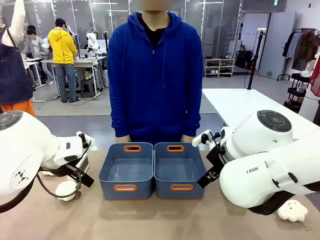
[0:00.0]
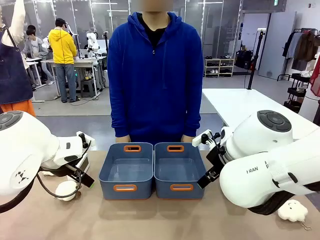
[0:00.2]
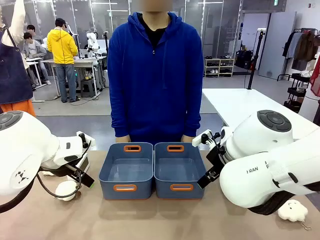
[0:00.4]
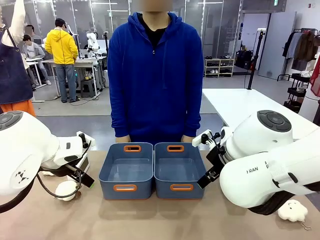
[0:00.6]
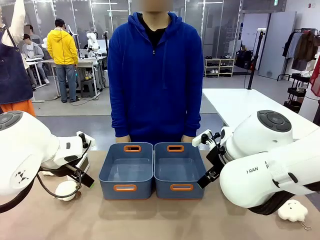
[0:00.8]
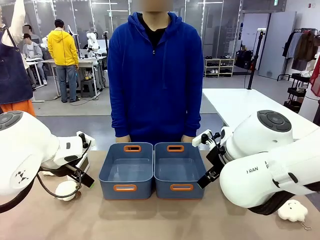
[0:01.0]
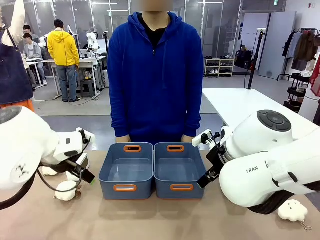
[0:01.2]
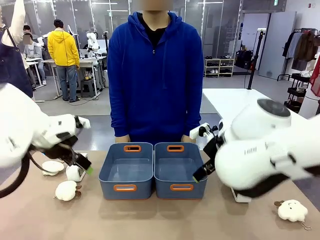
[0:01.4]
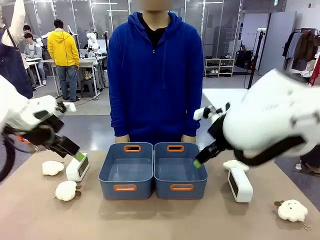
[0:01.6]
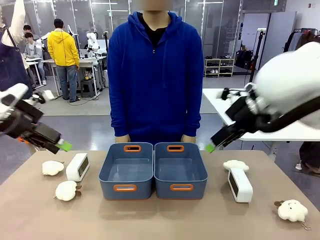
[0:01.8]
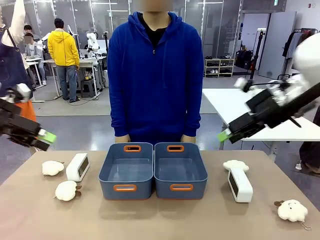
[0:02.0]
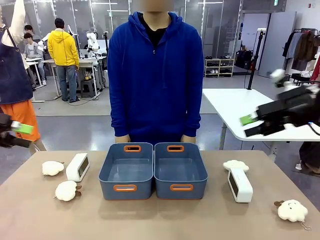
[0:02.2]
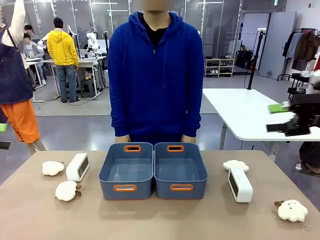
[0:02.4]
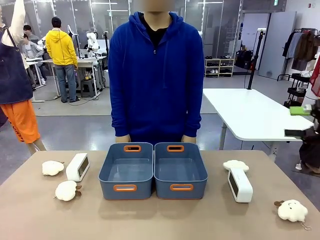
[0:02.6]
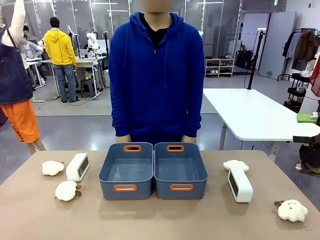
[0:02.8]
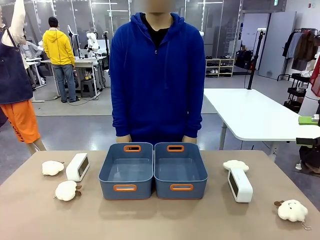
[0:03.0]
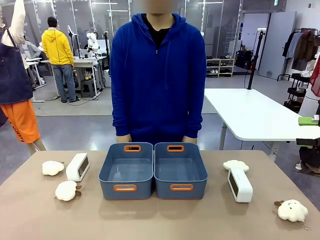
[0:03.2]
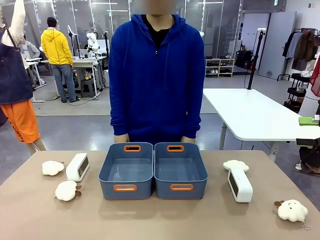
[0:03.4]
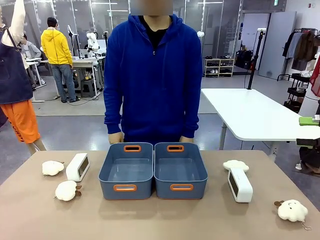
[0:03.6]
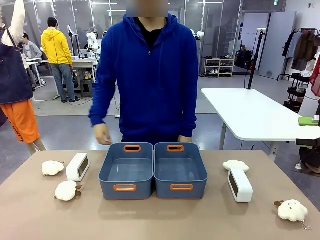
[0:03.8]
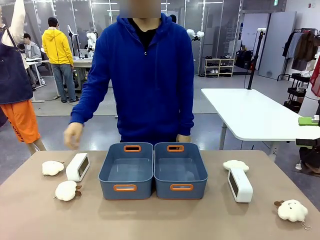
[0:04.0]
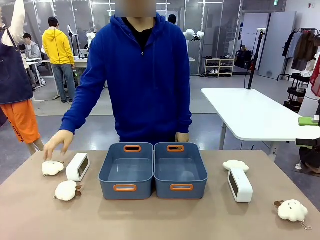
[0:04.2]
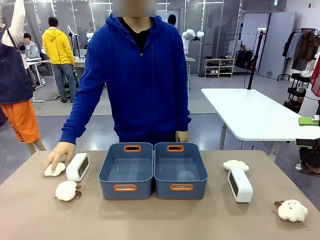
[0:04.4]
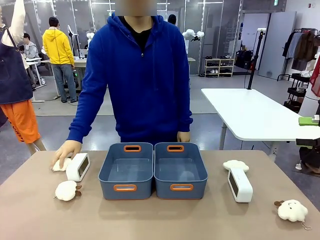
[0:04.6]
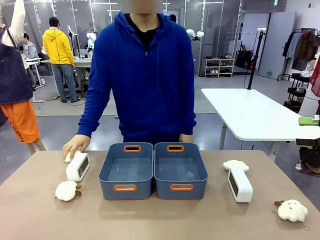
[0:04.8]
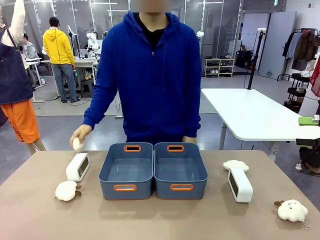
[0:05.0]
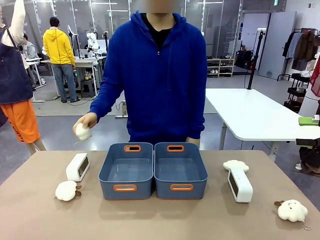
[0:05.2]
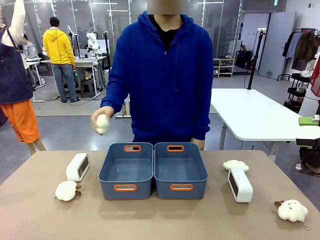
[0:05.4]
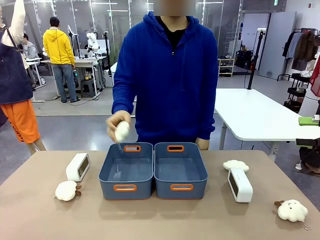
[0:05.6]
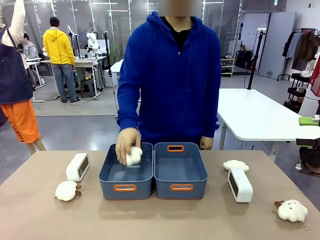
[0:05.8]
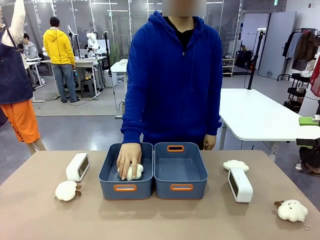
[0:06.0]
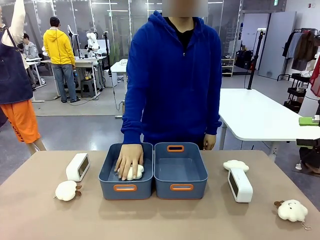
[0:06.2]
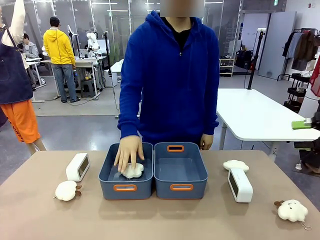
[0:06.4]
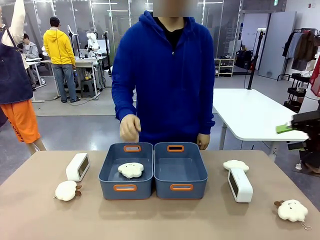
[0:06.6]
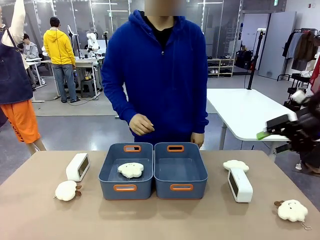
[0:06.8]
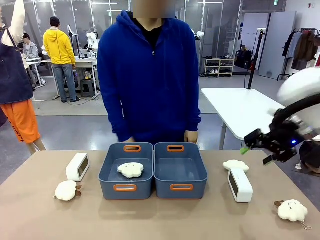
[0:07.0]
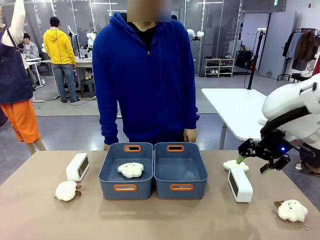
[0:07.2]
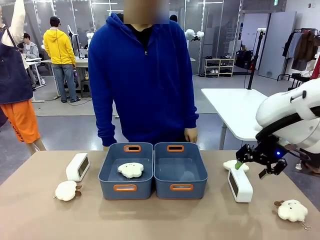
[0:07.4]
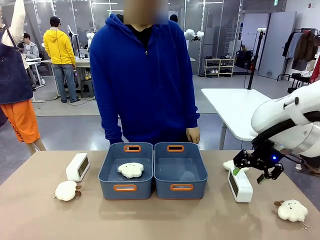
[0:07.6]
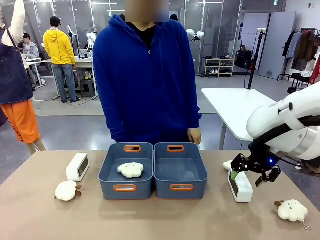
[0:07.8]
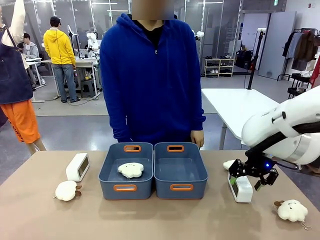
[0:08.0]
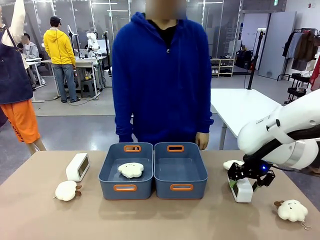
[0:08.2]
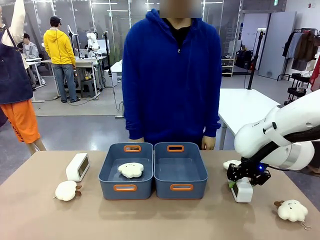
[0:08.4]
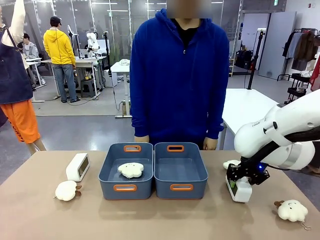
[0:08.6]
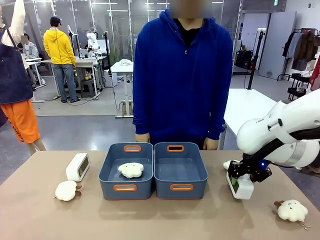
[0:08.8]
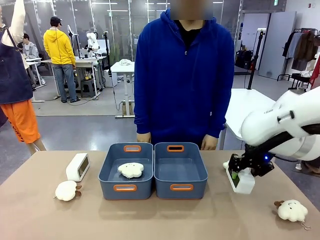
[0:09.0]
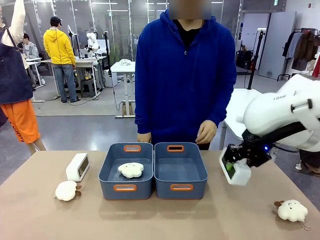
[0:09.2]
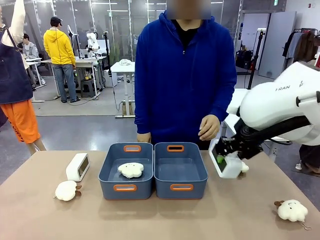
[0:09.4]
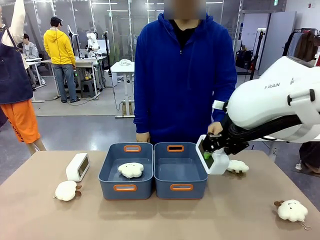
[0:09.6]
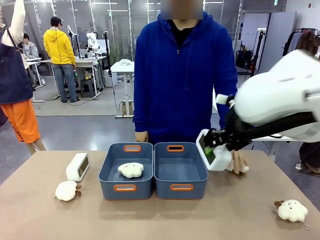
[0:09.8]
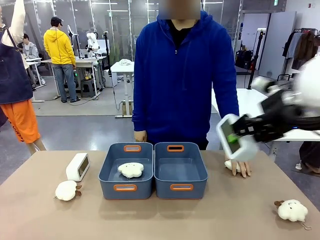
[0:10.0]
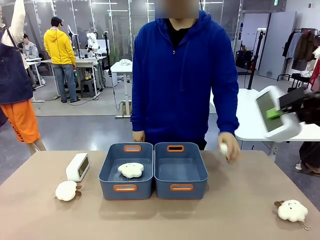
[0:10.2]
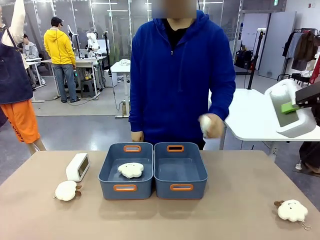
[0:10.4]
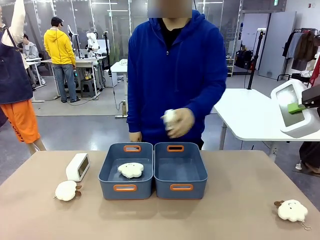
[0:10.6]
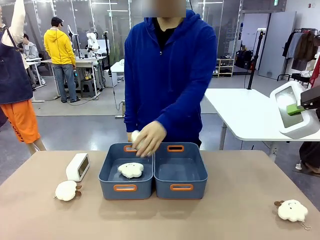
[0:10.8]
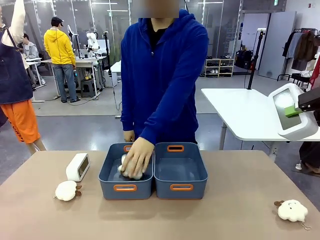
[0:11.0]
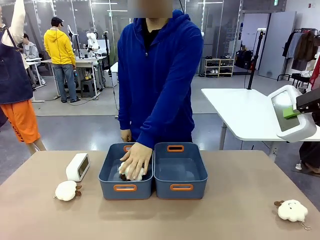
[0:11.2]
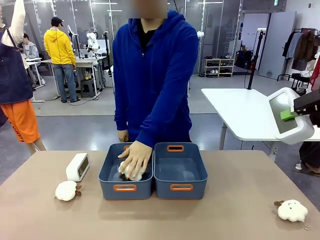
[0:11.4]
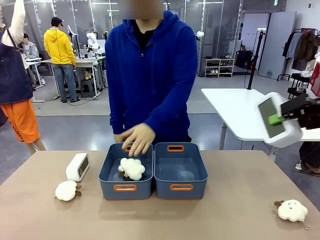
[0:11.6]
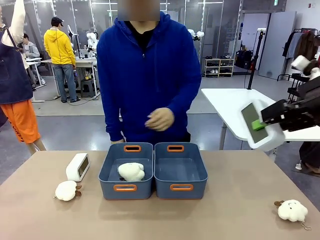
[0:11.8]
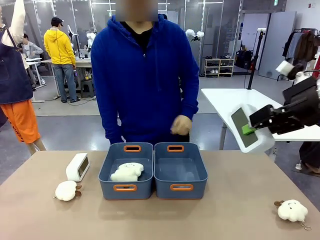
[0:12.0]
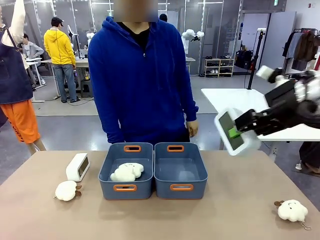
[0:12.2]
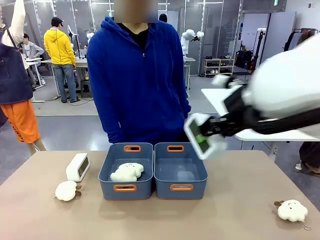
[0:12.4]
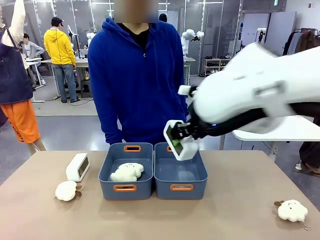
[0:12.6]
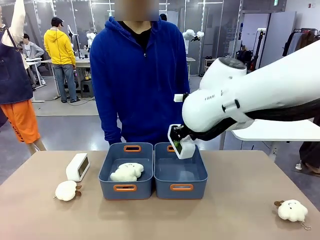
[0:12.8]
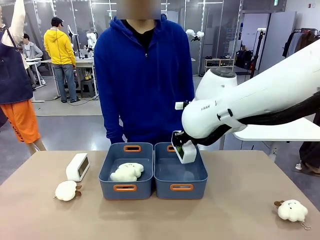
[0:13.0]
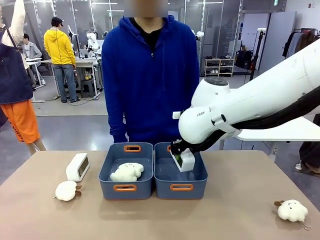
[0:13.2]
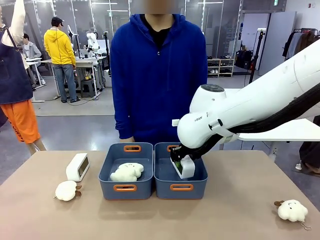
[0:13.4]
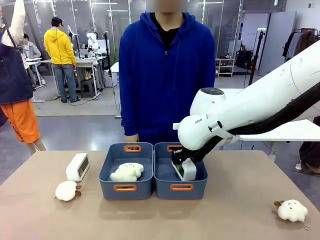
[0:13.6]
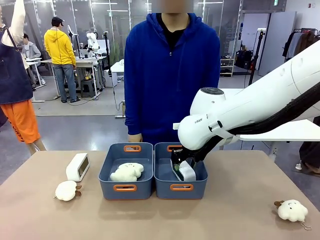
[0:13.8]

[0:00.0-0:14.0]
Task: Sort the digital clocks into the basket.
Robot: Pick up the Digital clock from the table and place it into the empty Plastic storage basket.
Person: Pick up a plush toy from the table and place it in a plastic storage basket.
